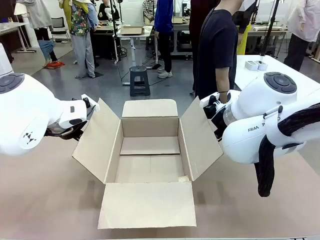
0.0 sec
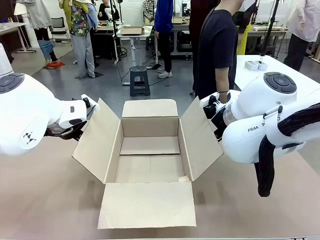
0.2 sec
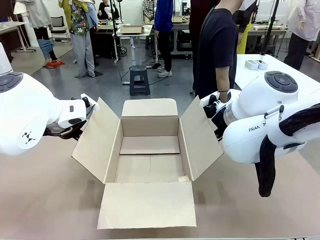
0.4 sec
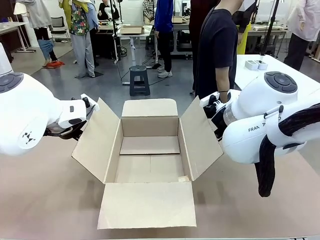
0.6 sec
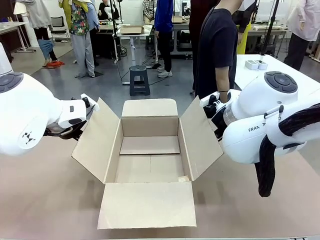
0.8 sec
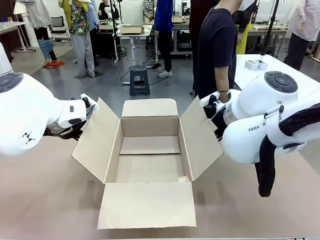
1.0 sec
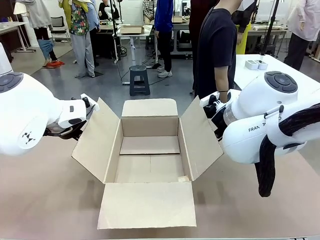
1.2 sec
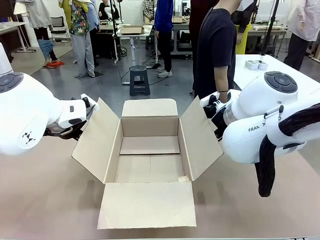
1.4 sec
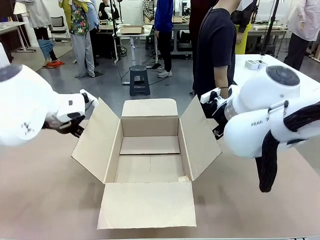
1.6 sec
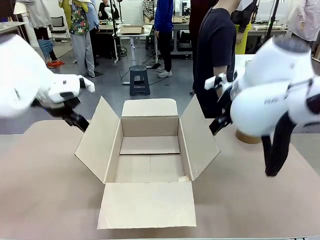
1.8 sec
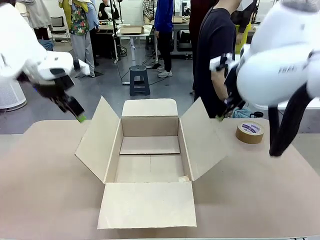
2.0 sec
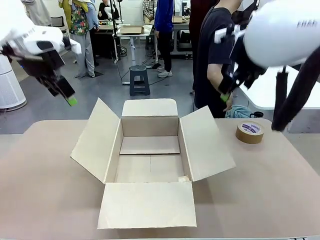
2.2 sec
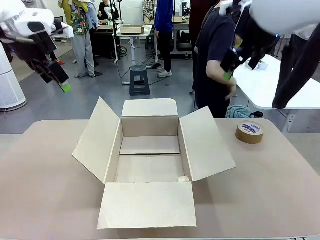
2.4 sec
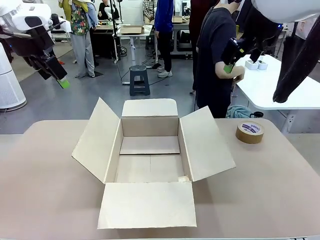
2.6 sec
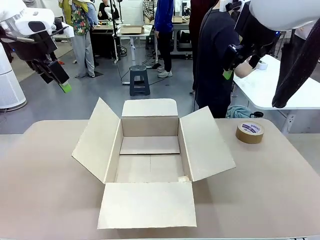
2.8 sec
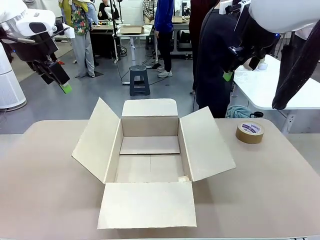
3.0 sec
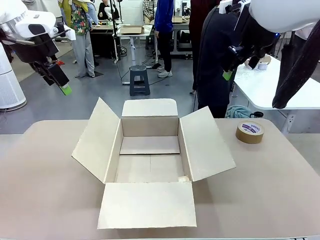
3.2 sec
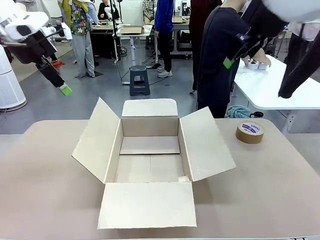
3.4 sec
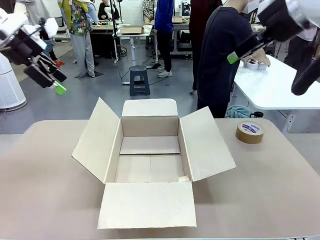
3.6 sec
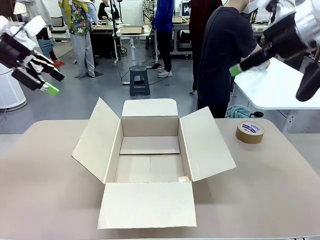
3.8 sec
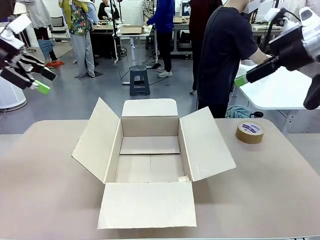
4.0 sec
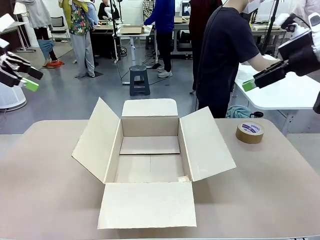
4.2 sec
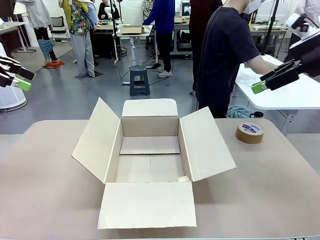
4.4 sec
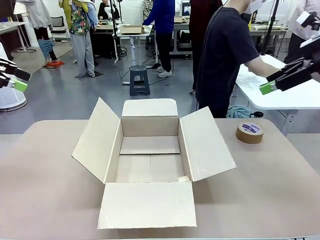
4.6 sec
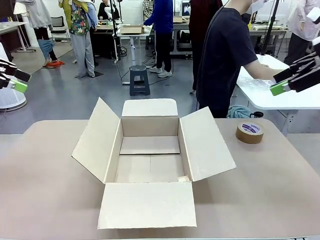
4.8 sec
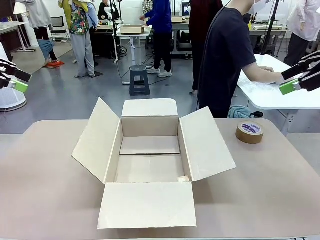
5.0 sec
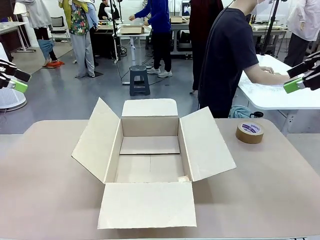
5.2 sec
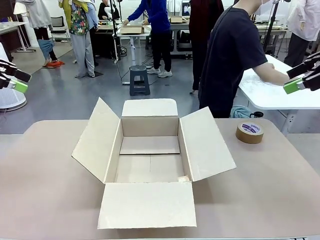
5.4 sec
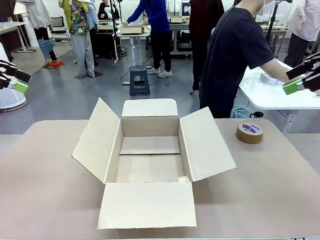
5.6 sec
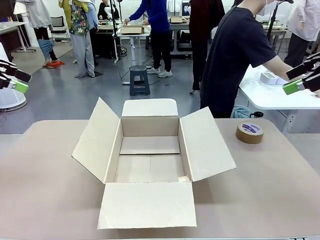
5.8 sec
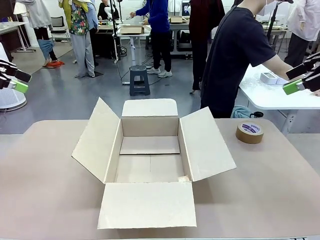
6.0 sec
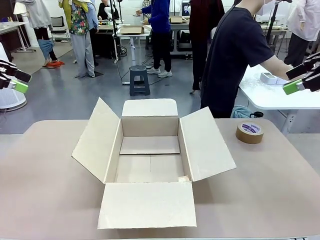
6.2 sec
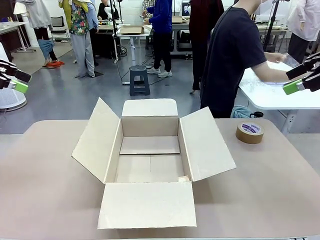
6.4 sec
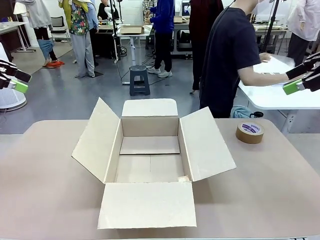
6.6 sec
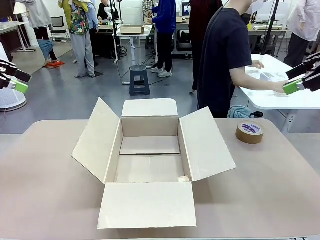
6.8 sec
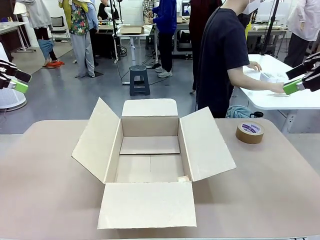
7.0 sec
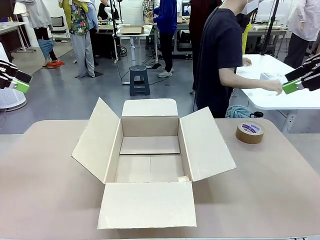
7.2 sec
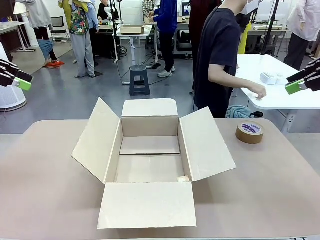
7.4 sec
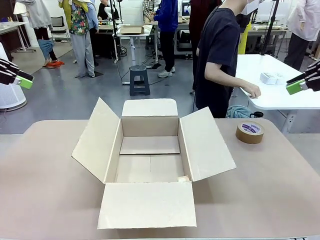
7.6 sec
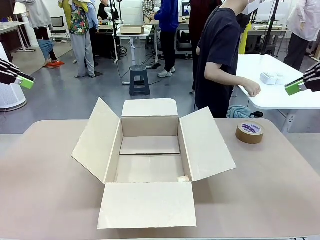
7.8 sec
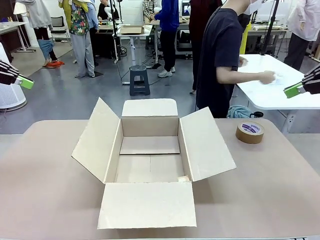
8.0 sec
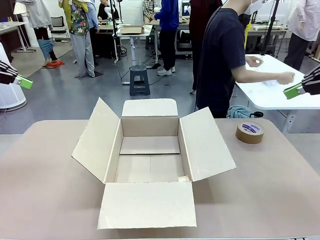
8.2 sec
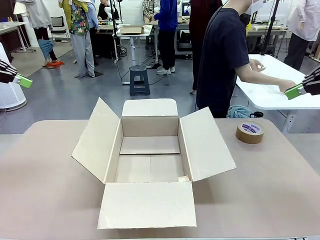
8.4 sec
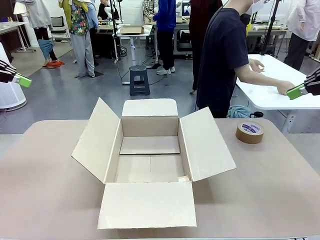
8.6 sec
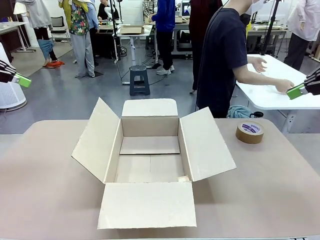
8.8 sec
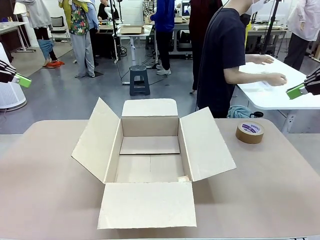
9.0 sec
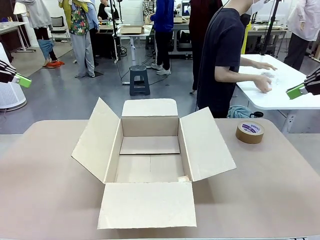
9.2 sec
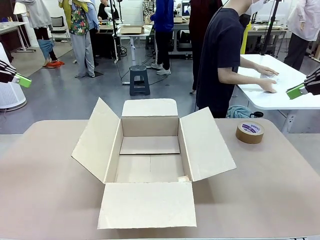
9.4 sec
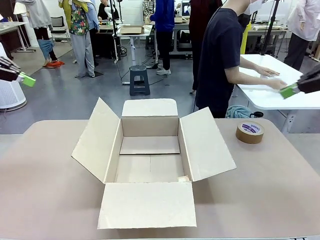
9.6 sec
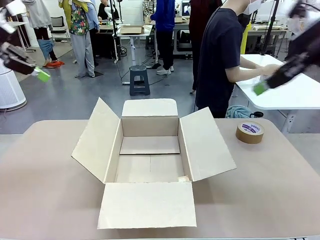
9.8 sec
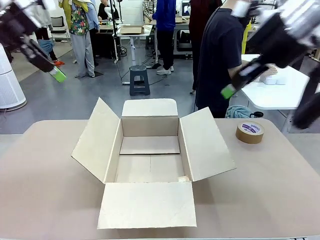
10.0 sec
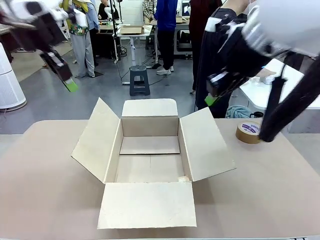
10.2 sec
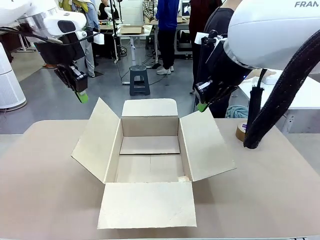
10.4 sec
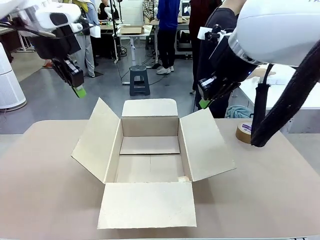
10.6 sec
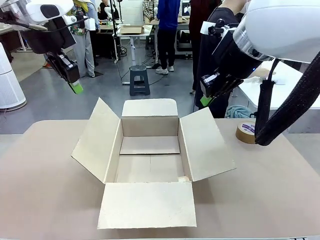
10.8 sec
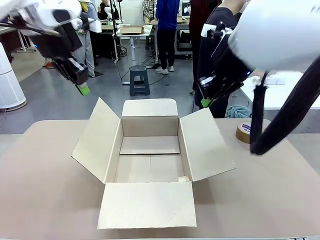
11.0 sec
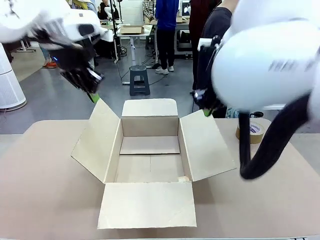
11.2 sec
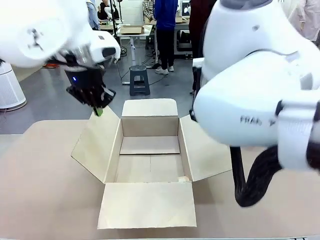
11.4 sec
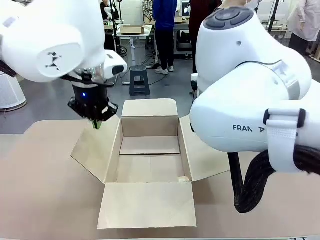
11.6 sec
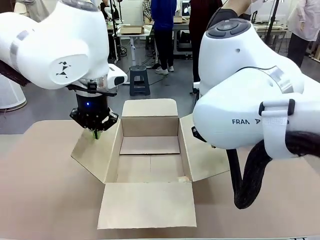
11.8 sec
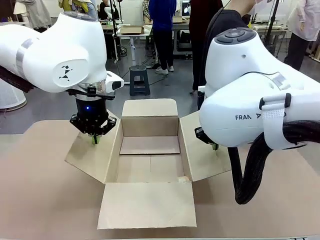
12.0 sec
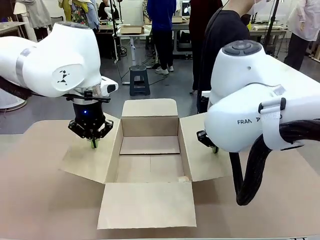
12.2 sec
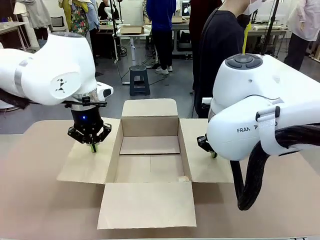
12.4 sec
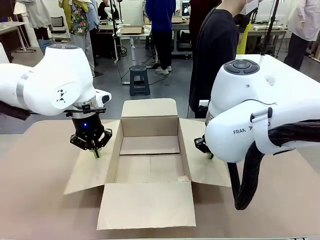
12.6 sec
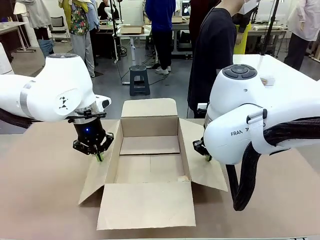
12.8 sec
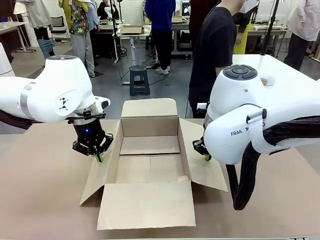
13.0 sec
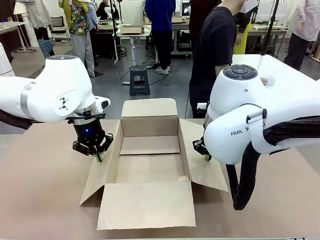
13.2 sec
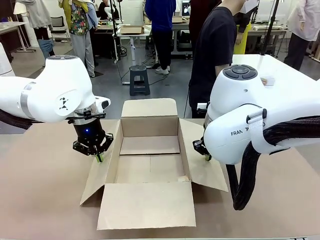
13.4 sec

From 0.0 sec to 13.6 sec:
Task: Wrap the clocks to prevent damage.
Robot: Open the side flaps of the Package Box.
Person: Wrap the two Digital clocks with Bubble Wrap.

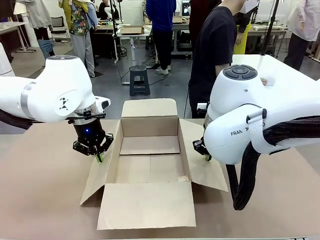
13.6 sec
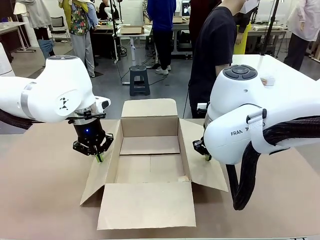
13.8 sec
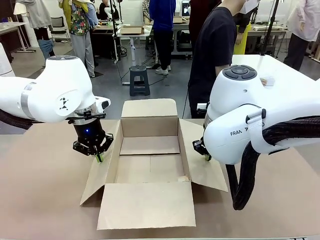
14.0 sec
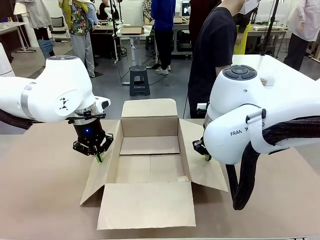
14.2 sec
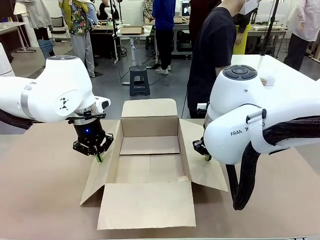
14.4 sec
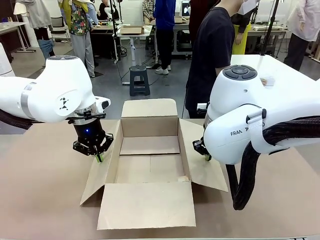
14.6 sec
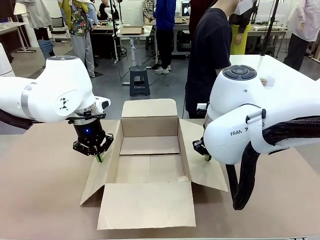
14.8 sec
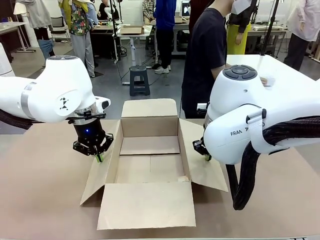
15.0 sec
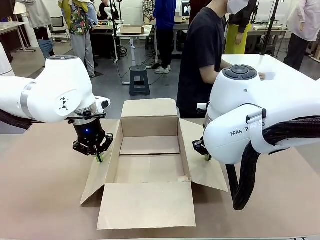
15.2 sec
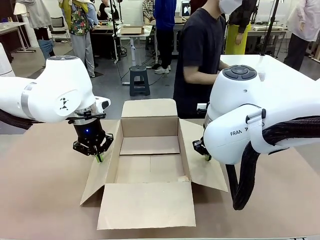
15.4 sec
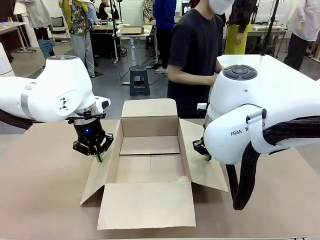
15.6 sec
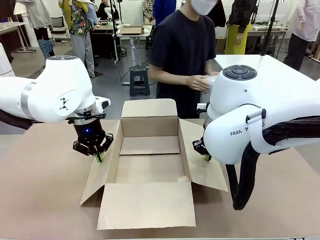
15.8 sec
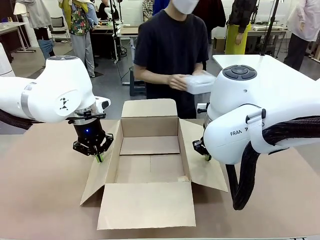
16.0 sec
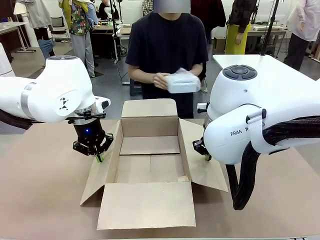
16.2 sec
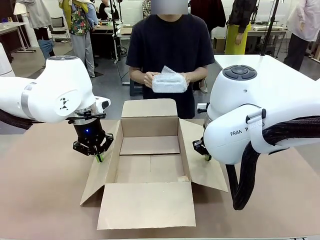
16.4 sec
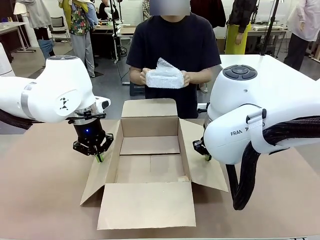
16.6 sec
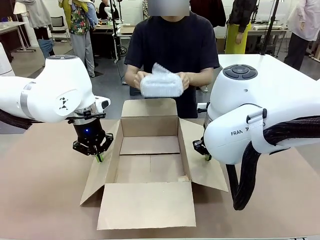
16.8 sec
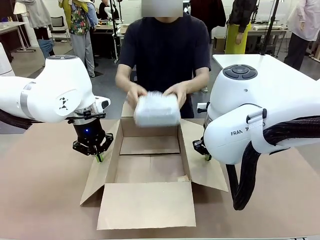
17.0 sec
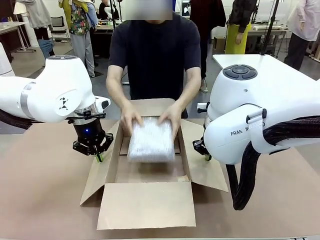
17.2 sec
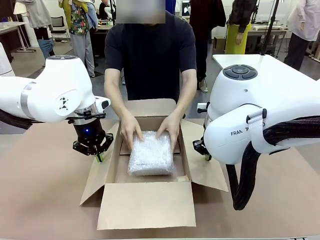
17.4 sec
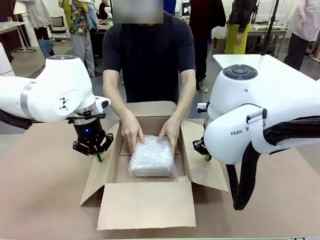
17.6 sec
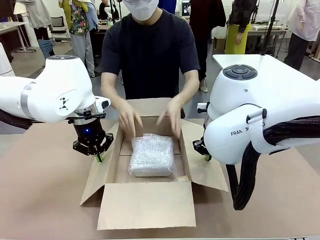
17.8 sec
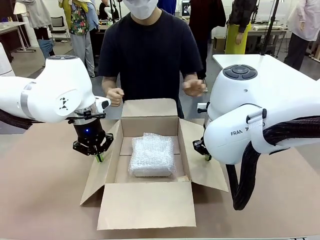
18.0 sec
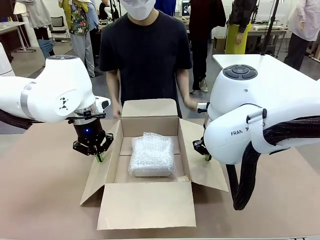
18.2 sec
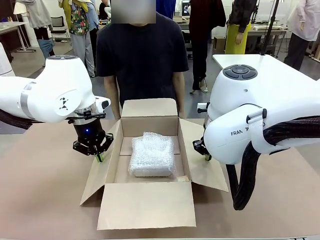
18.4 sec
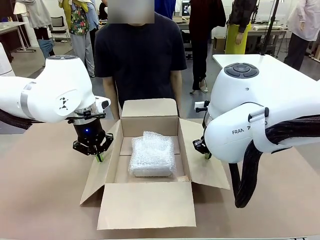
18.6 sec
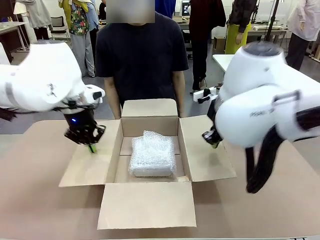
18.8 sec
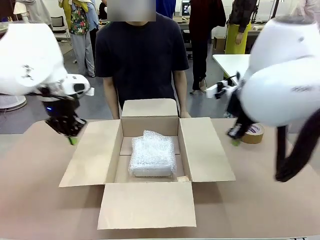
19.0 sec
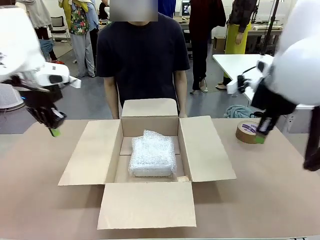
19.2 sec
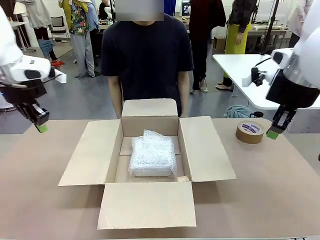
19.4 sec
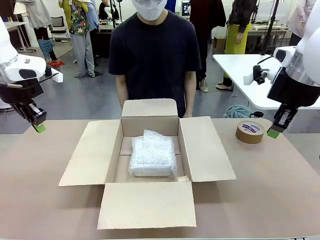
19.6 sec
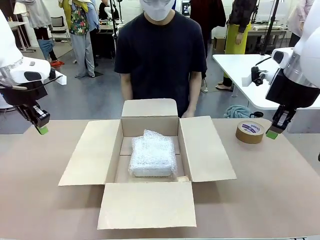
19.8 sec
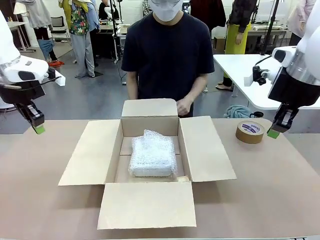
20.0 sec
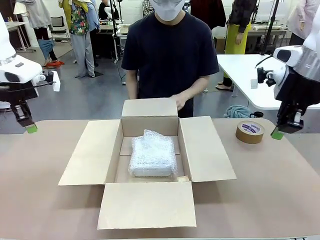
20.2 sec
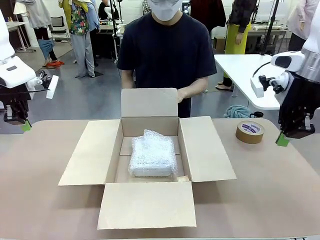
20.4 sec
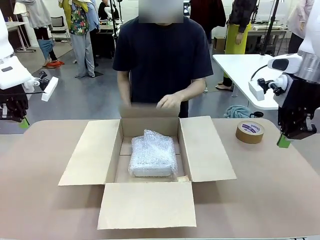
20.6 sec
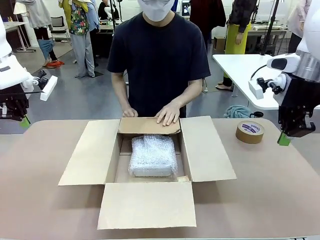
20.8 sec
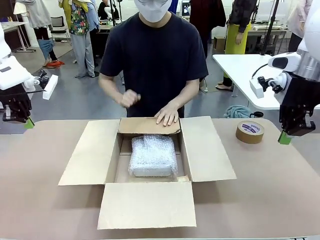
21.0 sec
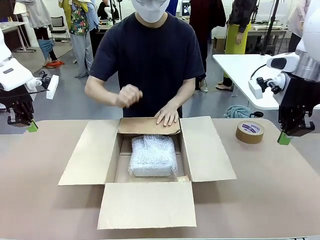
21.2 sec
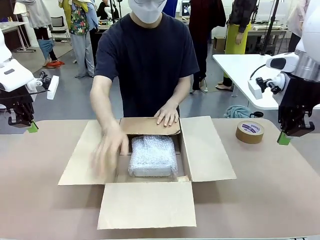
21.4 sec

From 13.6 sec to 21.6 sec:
Robot: Once the human has placed the objects inside and stepped back, release both hands from the side flaps of the Package Box.
Person: Place the wrapped Digital clocks inside the Package Box. Hold the top and bottom flaps of the Package Box closed with your left (or right) hand.
